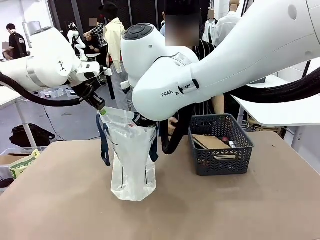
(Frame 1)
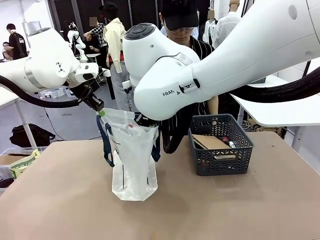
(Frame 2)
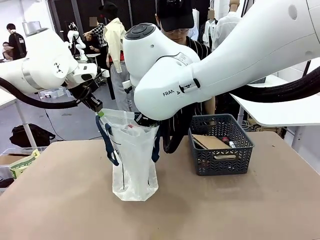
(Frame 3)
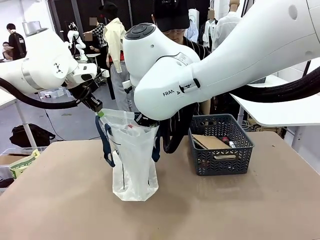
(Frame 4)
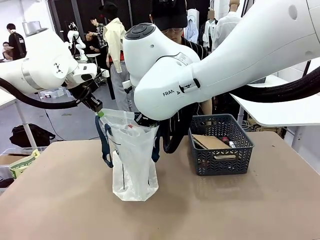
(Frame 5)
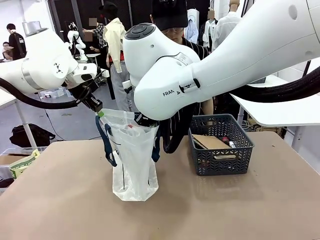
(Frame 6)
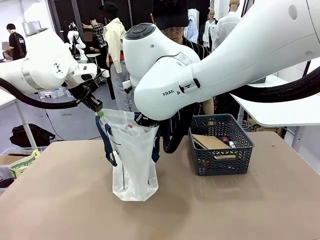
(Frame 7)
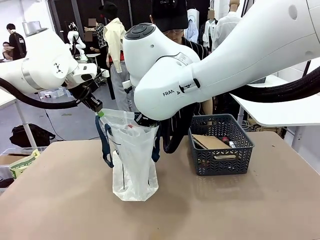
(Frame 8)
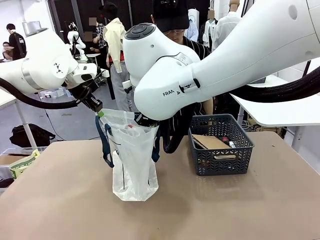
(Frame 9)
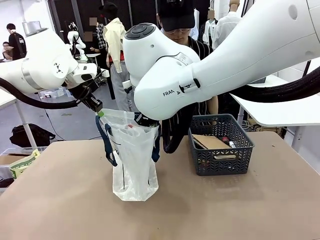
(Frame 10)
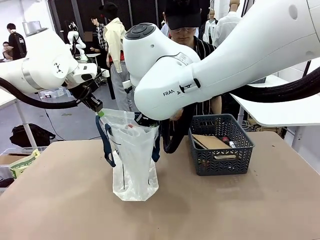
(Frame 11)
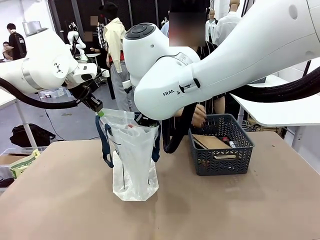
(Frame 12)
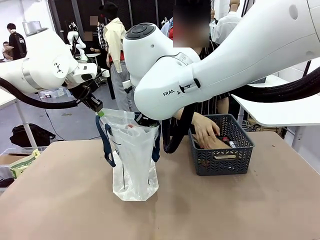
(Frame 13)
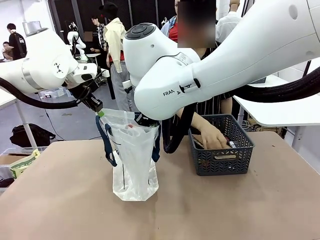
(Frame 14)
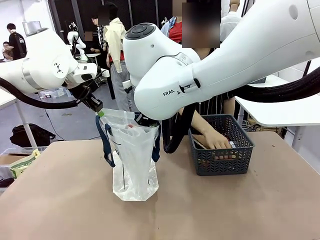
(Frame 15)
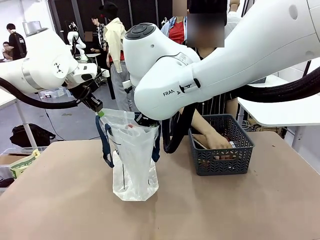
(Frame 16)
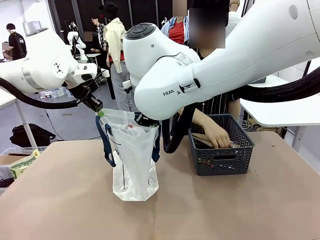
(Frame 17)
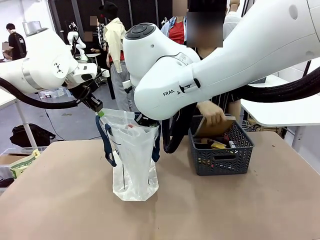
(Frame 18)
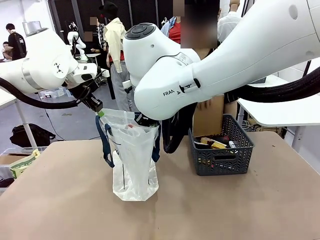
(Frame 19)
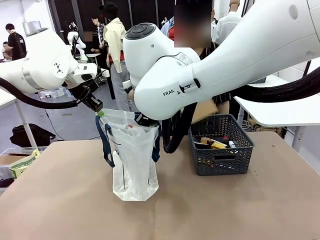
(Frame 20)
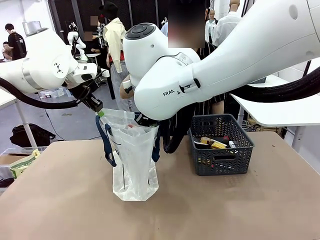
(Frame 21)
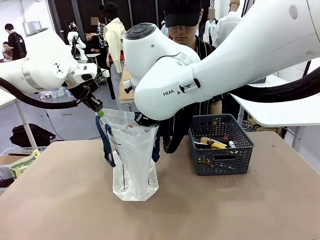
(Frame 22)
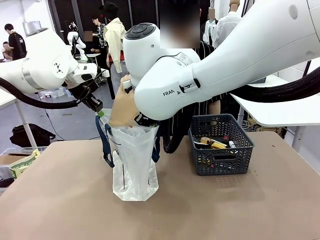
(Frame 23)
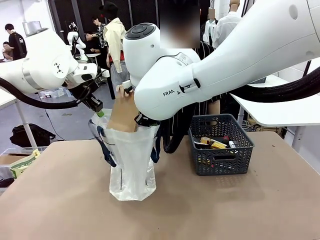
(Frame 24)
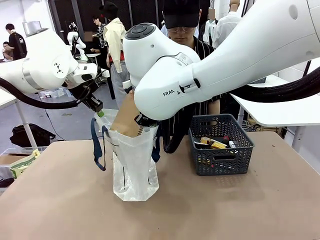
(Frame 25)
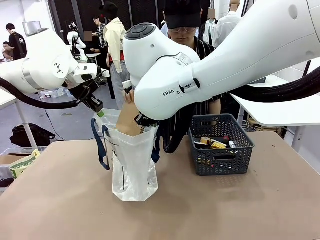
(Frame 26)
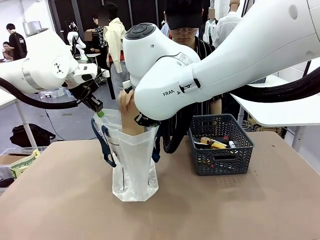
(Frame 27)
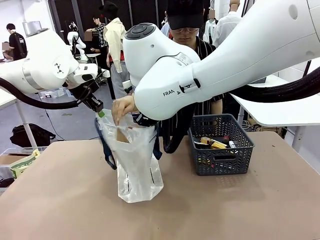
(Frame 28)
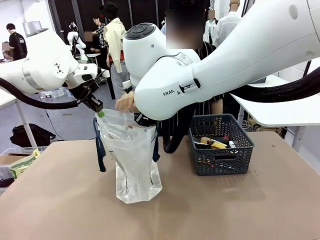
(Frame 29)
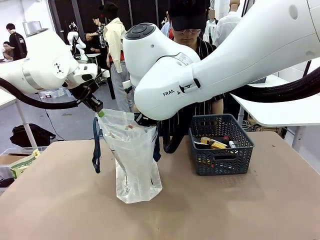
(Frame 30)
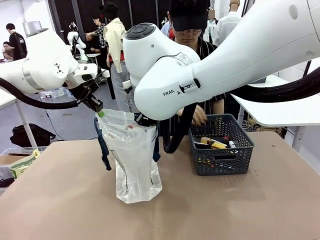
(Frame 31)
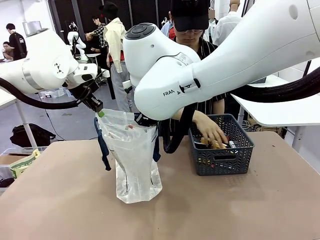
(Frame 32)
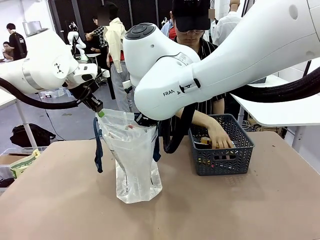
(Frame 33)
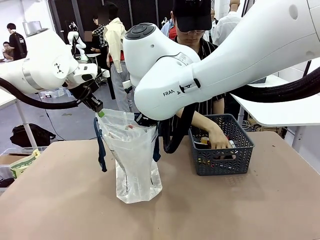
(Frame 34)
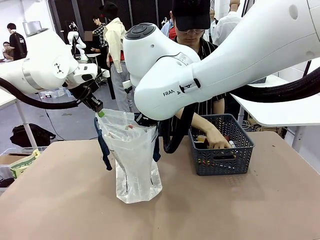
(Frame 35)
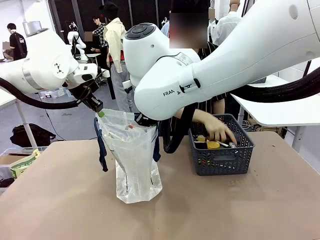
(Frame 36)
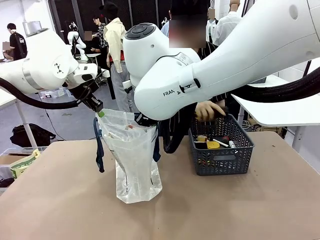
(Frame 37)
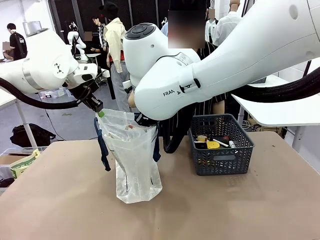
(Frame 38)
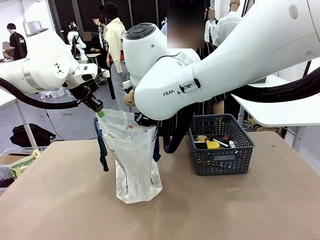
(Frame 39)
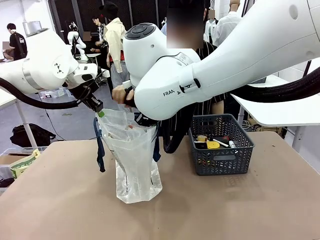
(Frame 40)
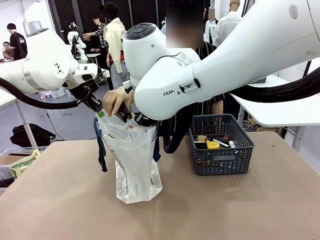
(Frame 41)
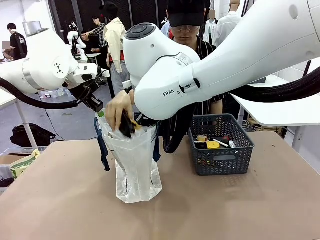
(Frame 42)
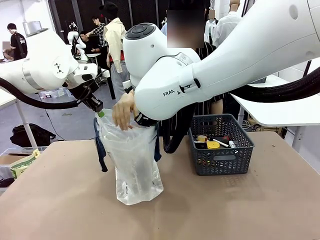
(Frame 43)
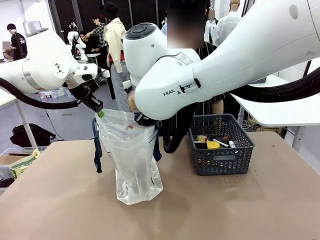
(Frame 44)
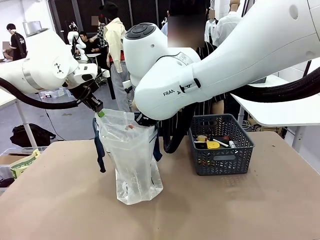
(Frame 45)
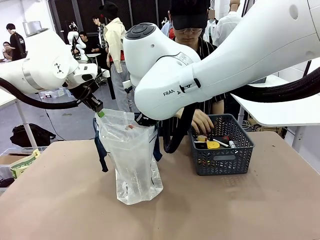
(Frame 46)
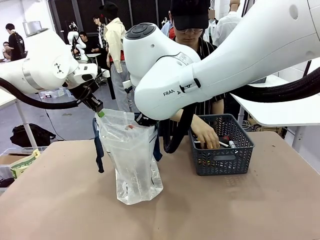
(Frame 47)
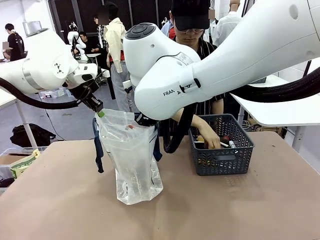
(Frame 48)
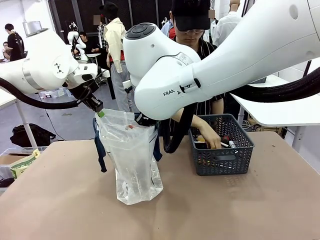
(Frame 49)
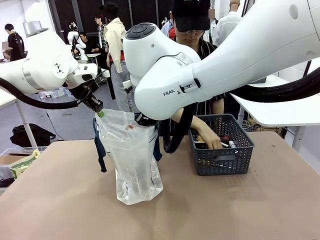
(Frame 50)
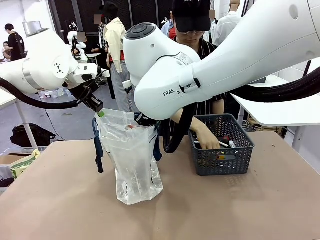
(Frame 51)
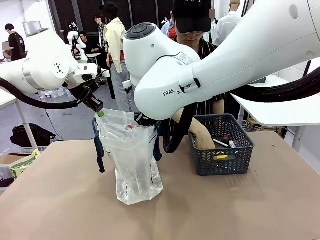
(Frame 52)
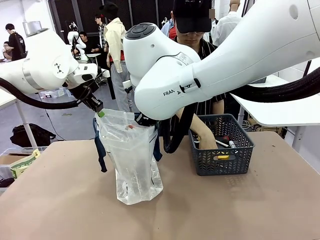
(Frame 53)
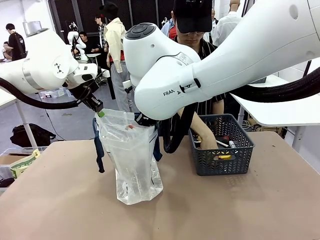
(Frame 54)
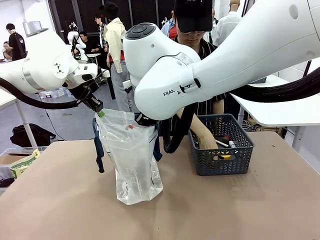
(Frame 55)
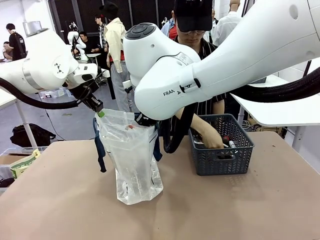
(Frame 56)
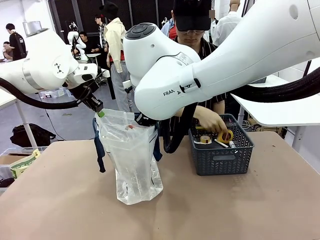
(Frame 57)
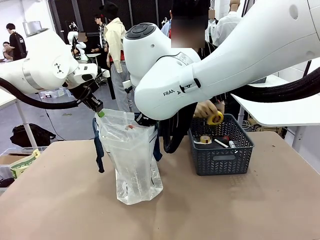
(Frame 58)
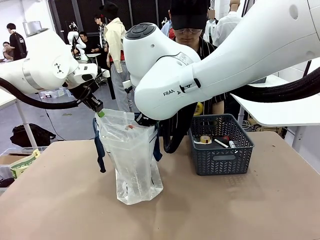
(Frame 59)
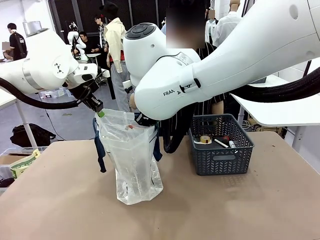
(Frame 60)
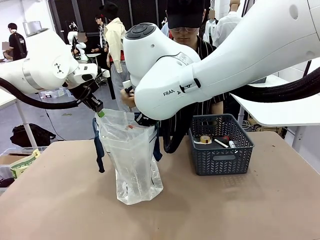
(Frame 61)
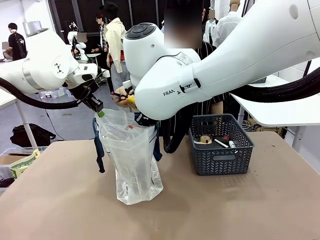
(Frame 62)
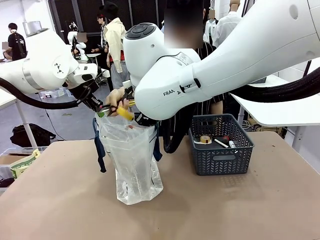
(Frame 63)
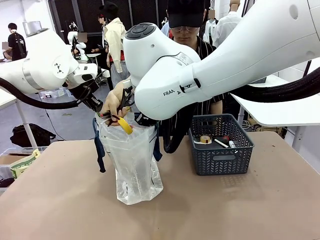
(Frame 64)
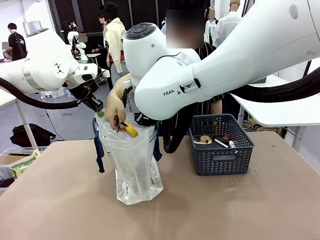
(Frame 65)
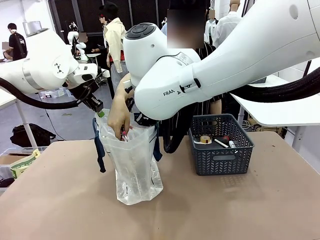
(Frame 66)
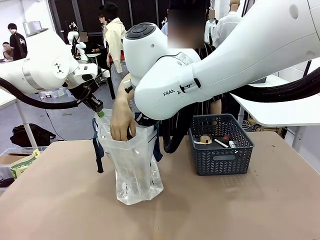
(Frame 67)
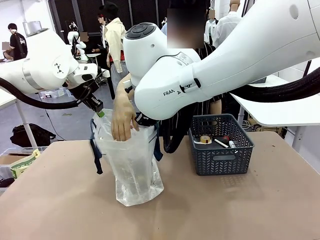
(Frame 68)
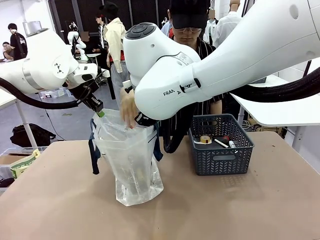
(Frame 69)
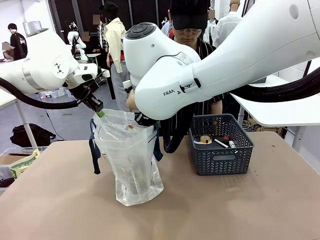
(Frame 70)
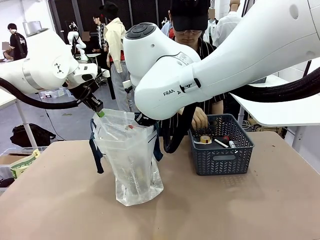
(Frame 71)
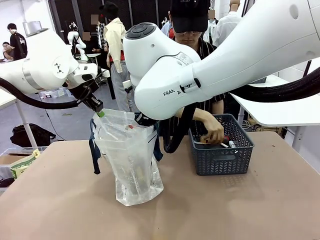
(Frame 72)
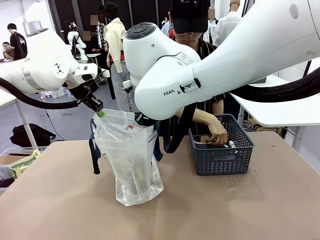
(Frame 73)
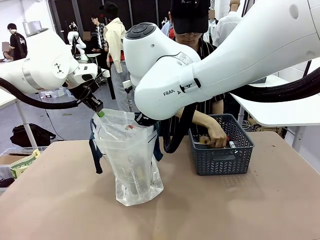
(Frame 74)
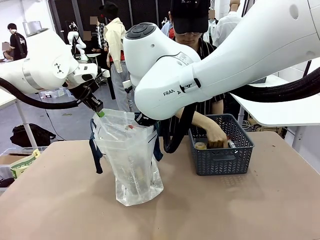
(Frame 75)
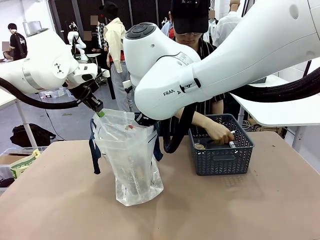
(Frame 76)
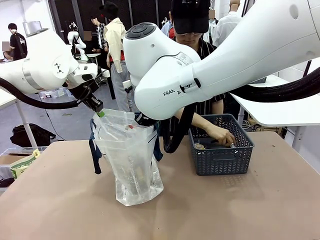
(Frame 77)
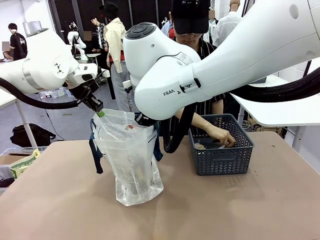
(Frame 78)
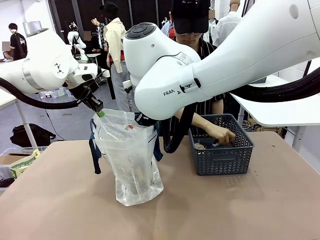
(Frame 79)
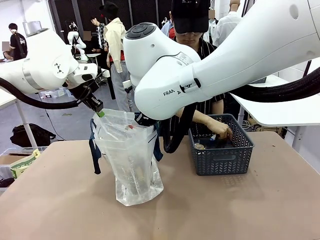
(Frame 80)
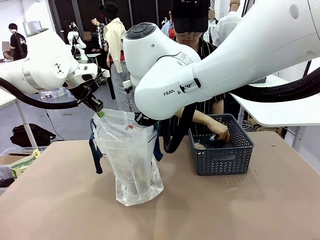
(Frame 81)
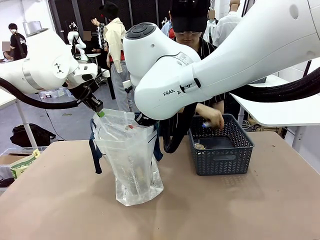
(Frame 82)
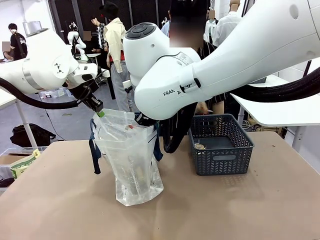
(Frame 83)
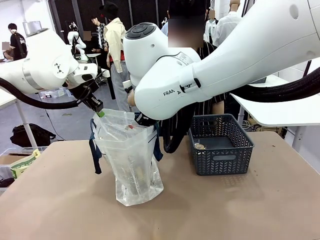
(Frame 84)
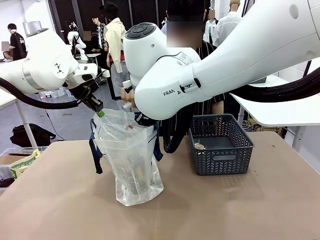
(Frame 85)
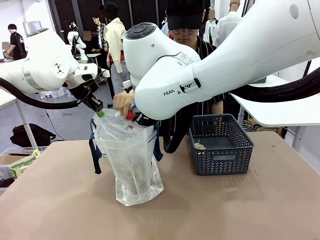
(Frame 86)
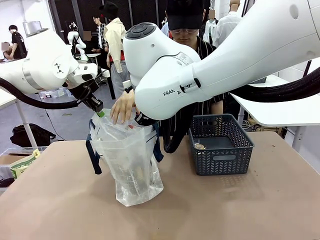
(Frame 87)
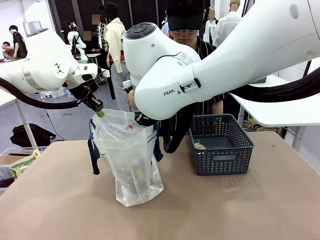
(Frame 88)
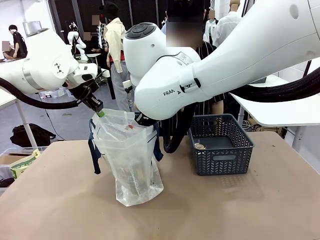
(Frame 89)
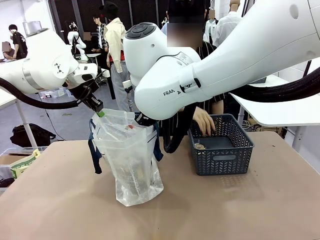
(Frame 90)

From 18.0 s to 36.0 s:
Task: Transfer purchased items from the store into the shopping bag.
Robot: Move the Reusable shopping bag to the right side of the table.
Person: Pick up the basket with the items out and place it on the right side of the human table.
